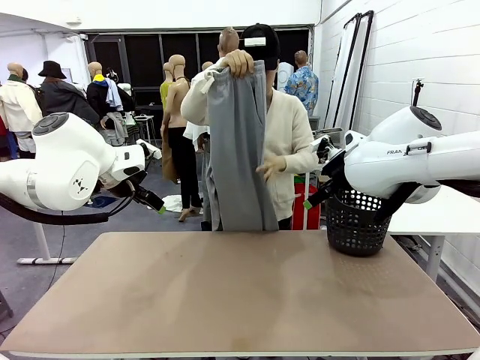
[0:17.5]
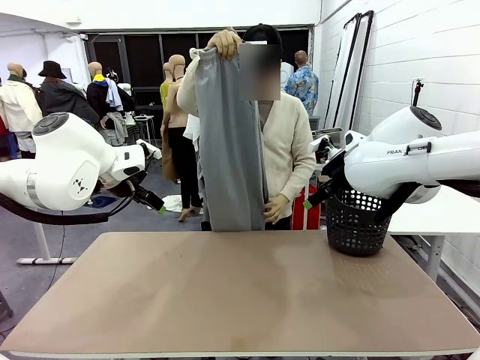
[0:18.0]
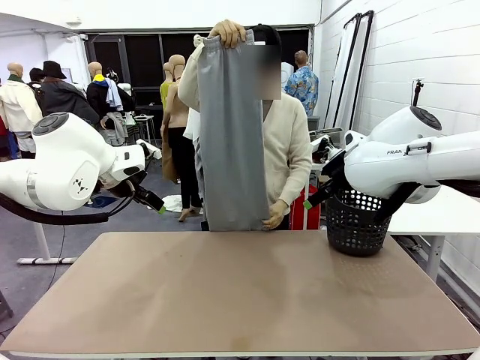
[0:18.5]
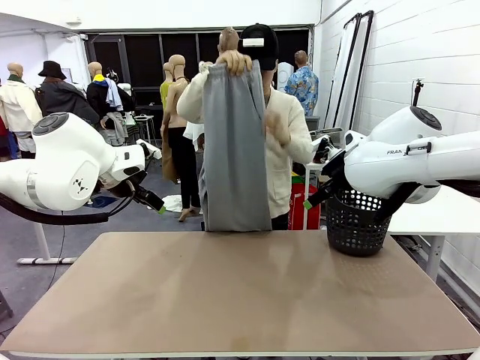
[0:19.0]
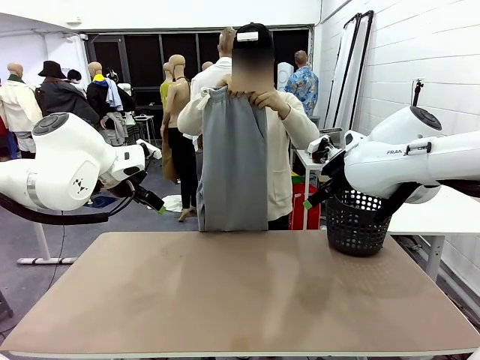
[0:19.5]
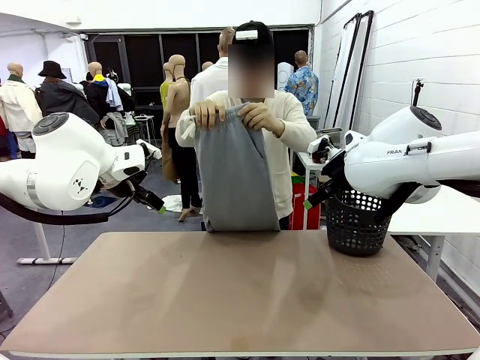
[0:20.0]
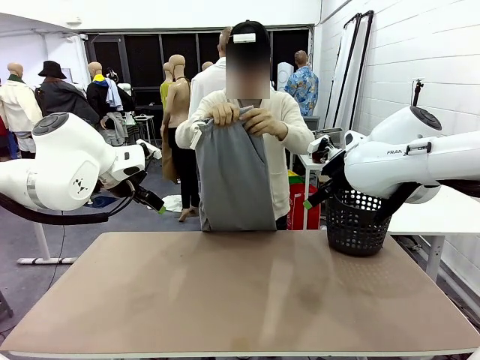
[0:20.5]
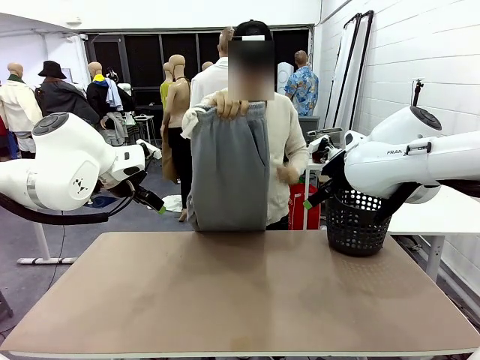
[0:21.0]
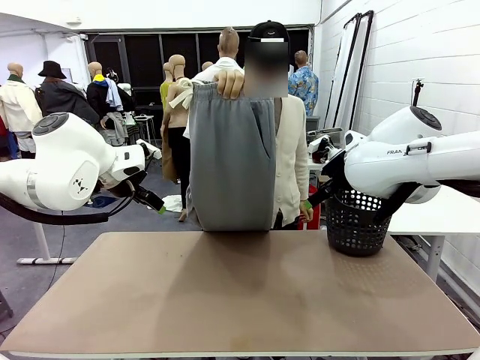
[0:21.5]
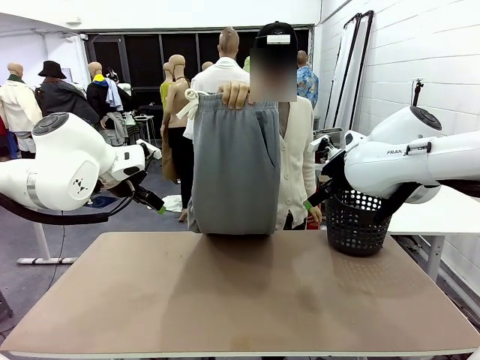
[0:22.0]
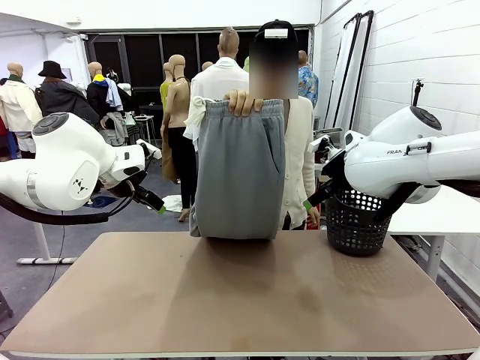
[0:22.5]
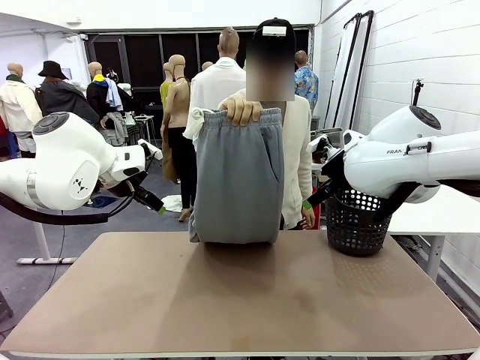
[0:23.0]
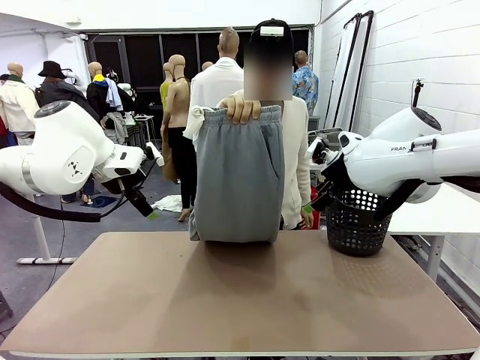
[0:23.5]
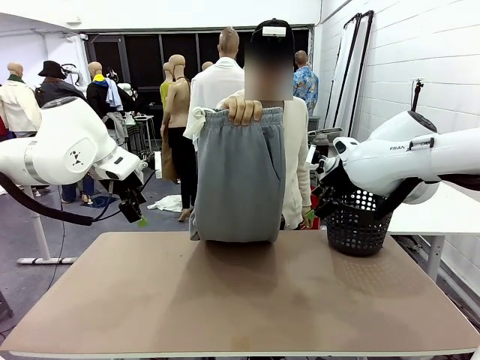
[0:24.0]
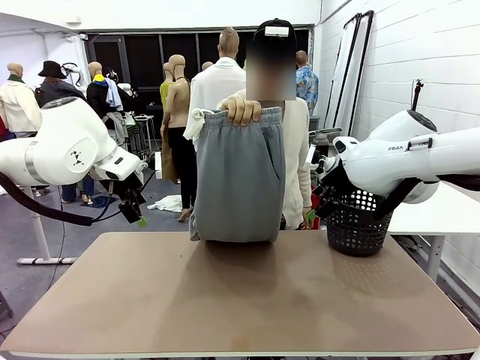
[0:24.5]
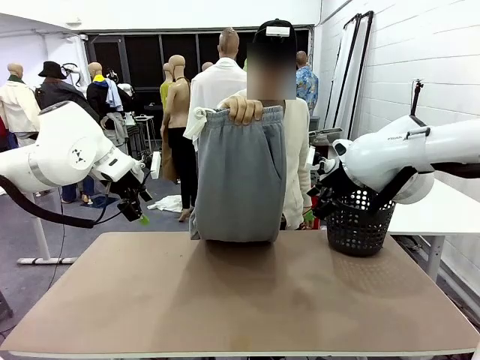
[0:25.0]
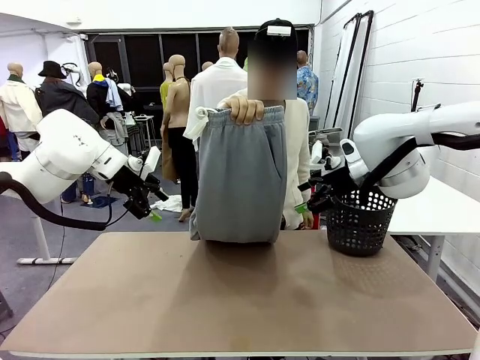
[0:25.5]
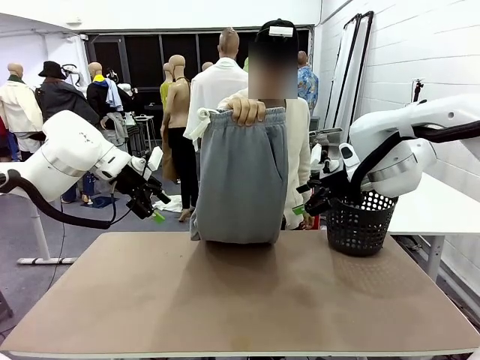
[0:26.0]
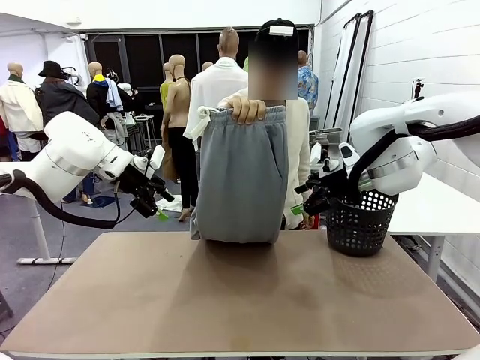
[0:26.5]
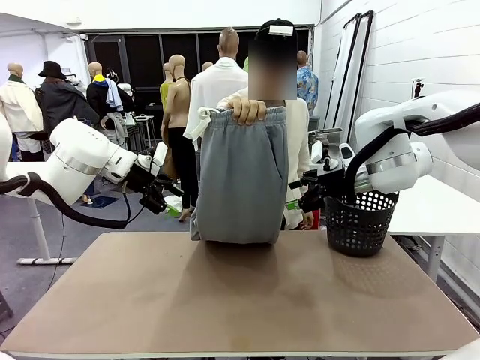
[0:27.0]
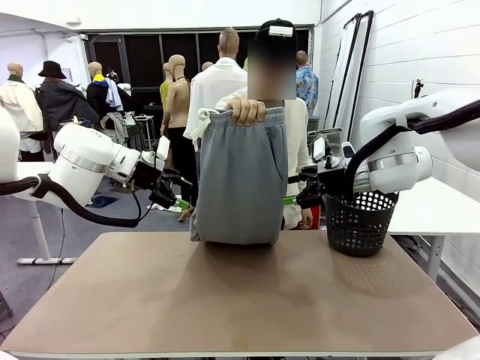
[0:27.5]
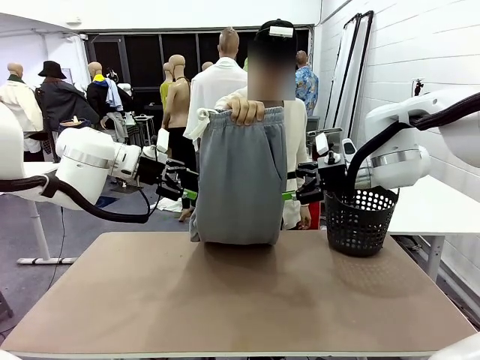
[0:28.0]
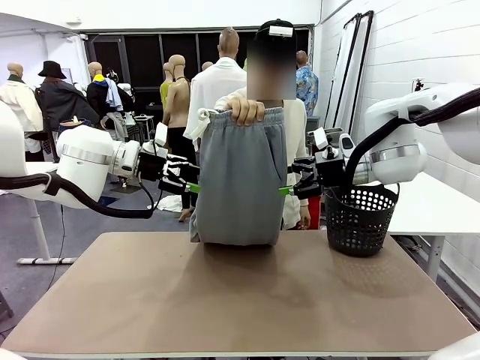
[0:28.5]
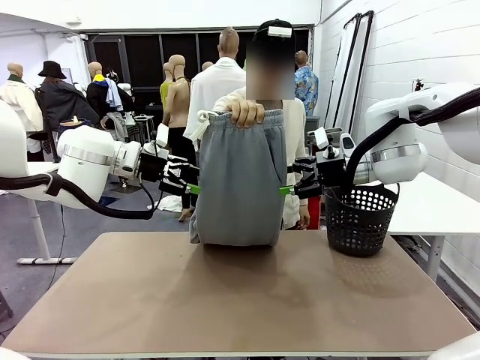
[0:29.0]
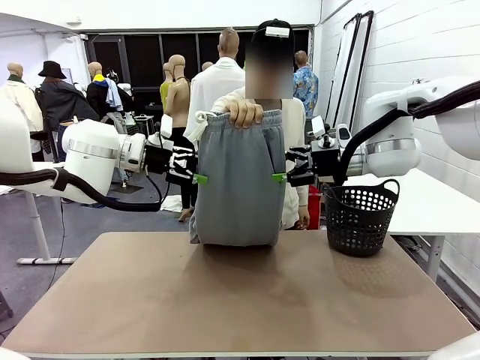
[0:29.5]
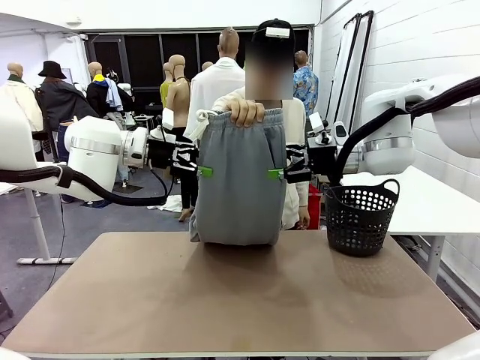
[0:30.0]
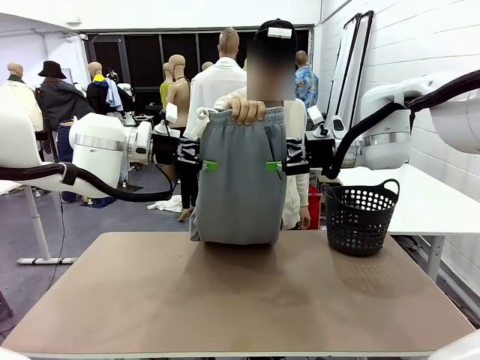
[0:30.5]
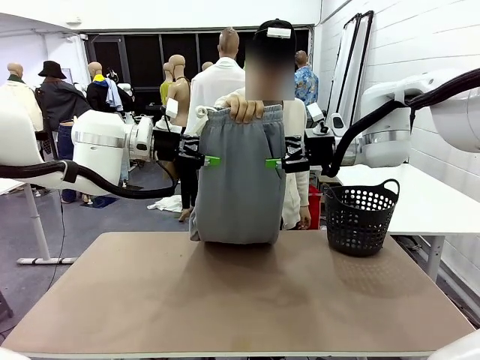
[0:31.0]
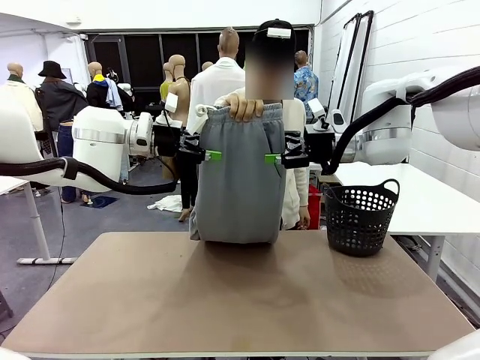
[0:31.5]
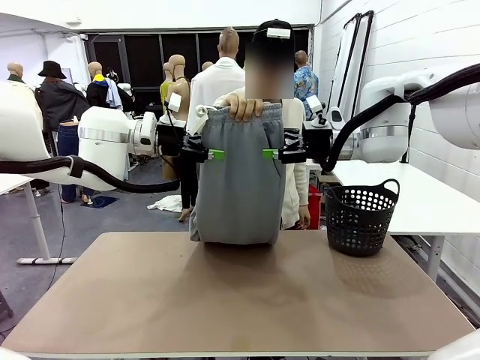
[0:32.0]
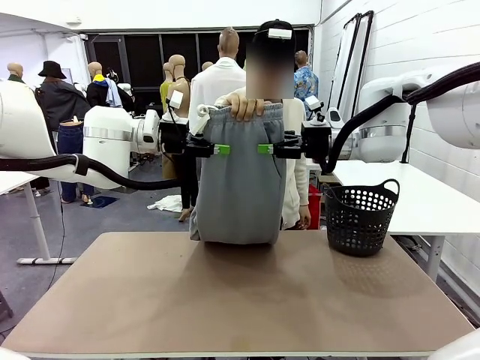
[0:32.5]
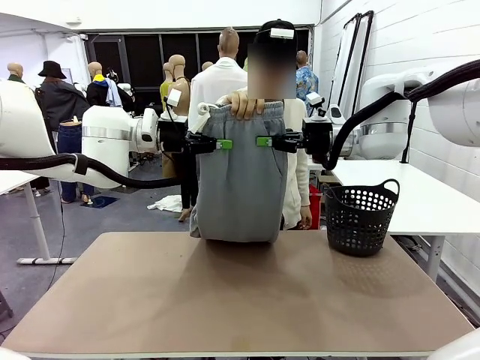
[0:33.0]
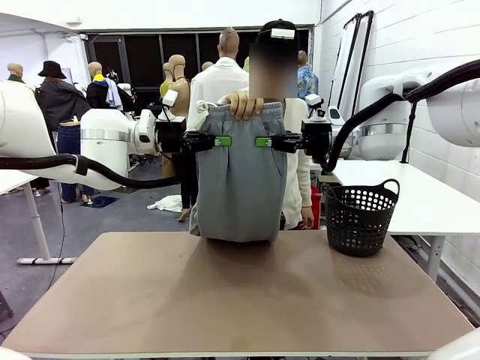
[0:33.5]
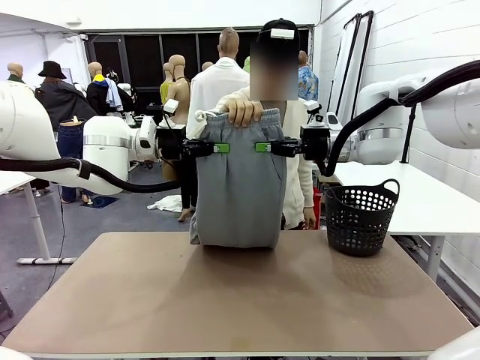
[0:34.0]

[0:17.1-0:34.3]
Task: Fold the training pants.
Robot: Grab both ends of the Training pants handed by a person.
Person: Grasp the end opposite the point the robot is holding, fold the pants in half, and then grasp the overlapping top end of the folded pants.

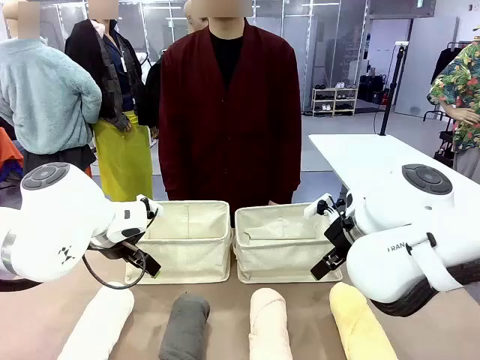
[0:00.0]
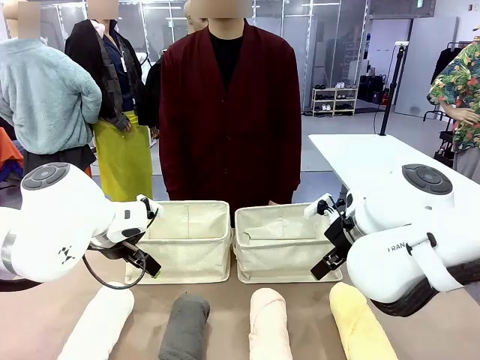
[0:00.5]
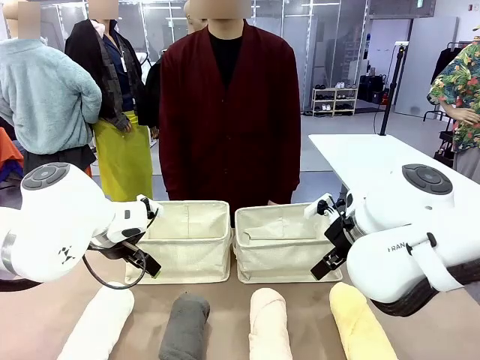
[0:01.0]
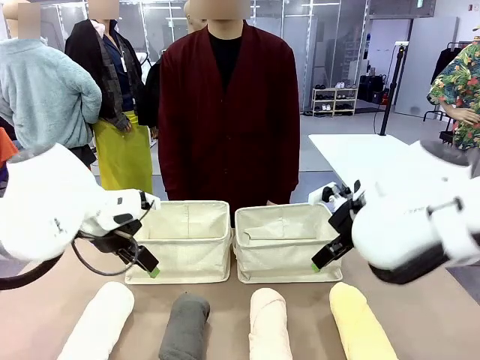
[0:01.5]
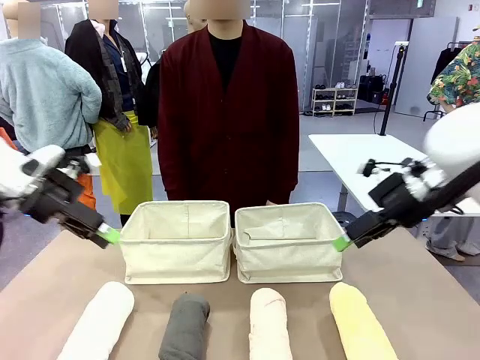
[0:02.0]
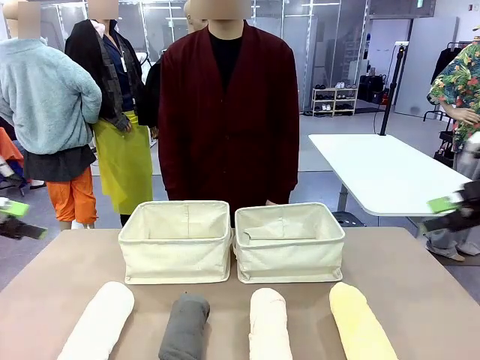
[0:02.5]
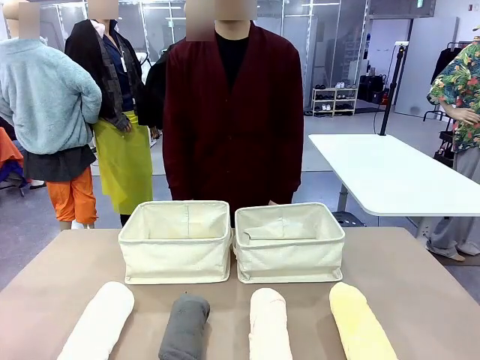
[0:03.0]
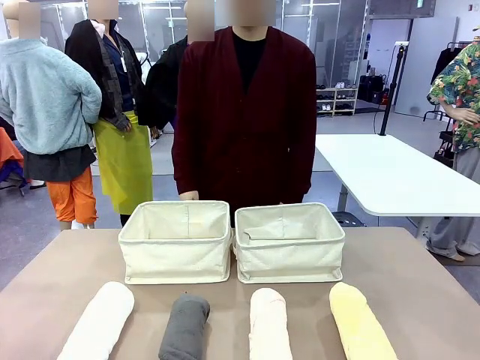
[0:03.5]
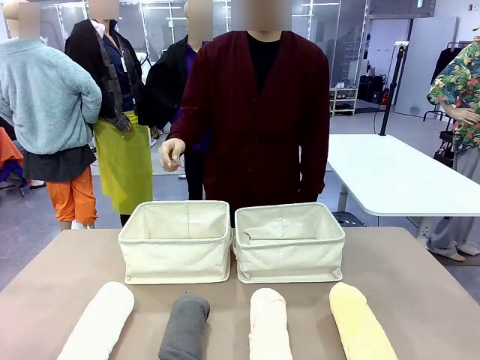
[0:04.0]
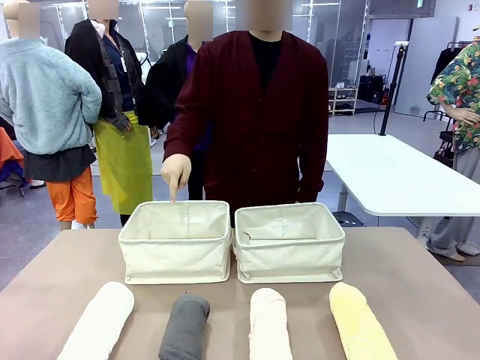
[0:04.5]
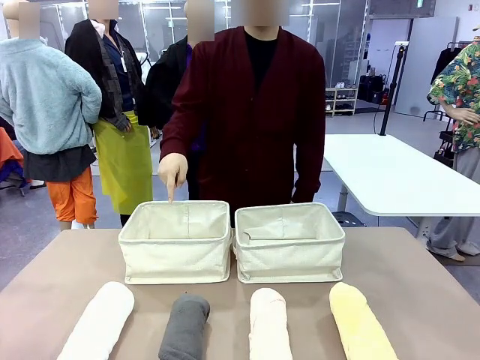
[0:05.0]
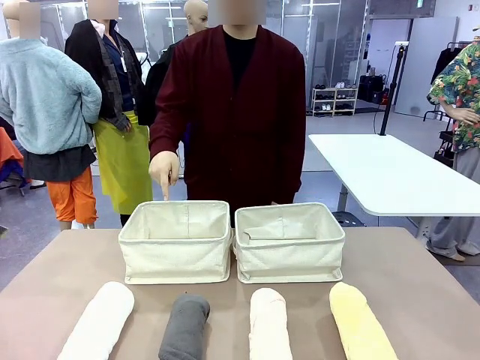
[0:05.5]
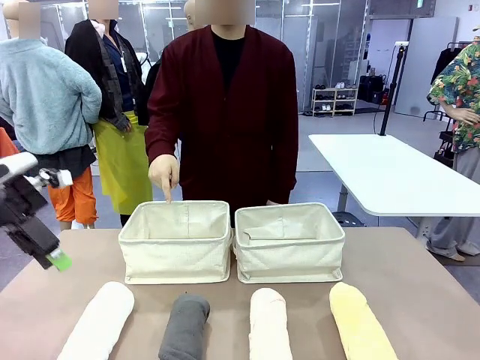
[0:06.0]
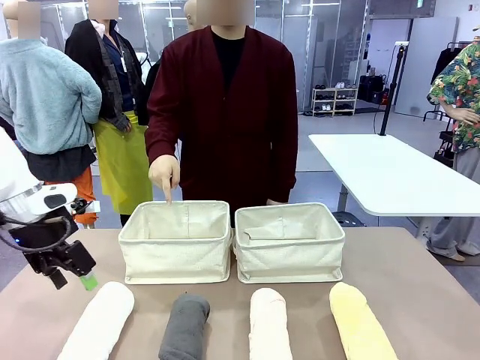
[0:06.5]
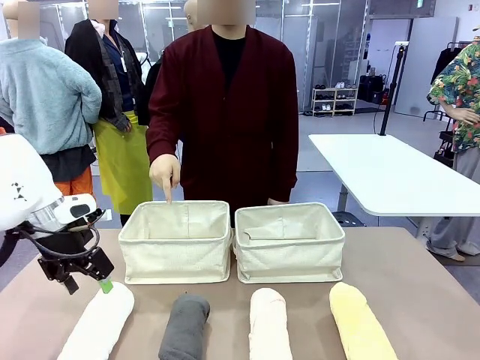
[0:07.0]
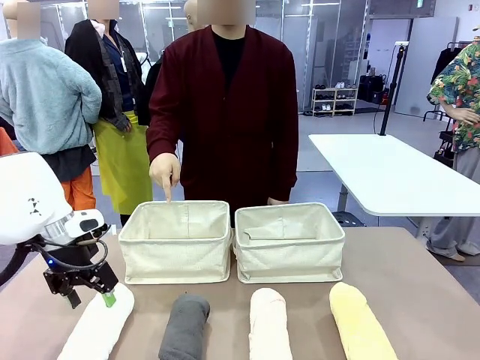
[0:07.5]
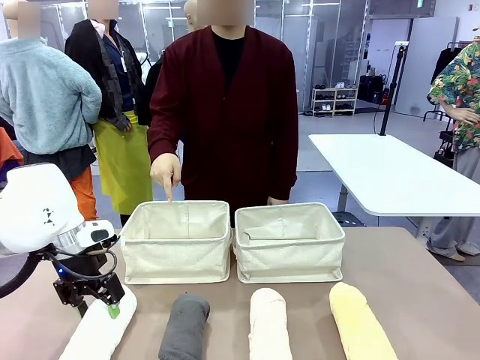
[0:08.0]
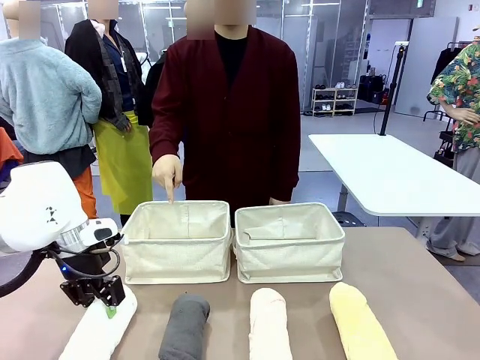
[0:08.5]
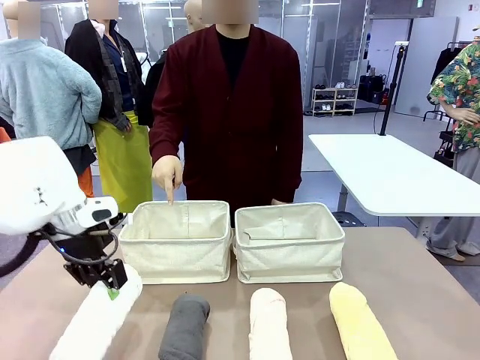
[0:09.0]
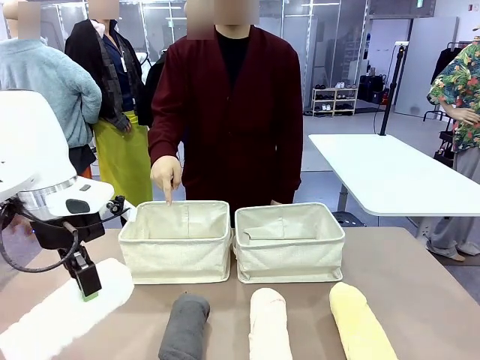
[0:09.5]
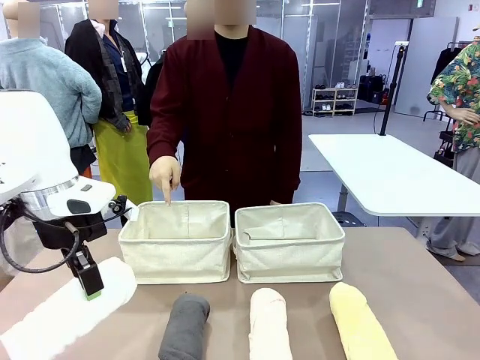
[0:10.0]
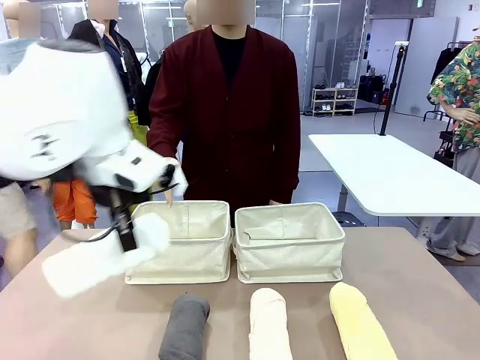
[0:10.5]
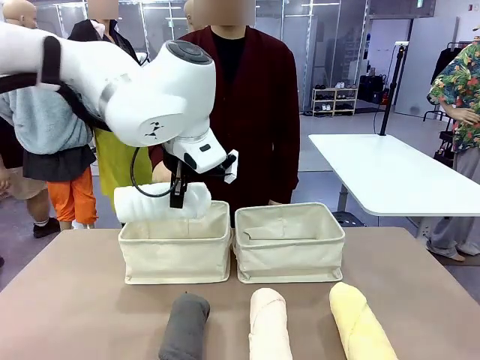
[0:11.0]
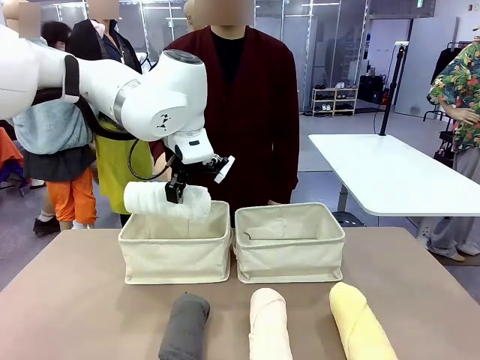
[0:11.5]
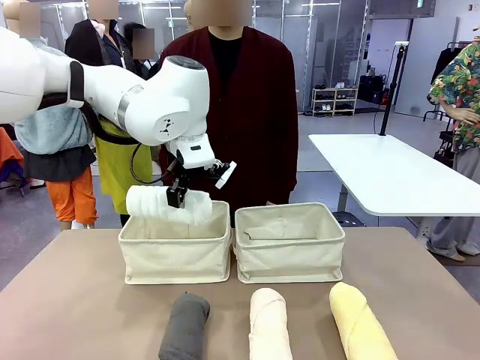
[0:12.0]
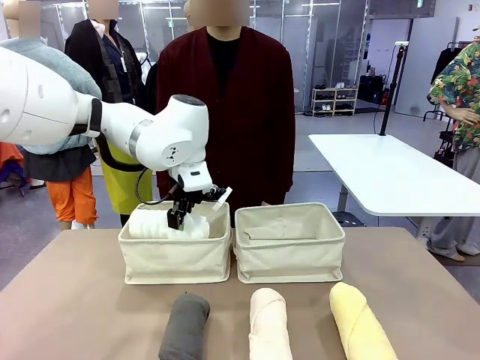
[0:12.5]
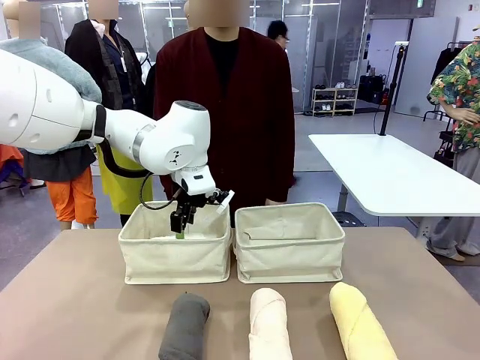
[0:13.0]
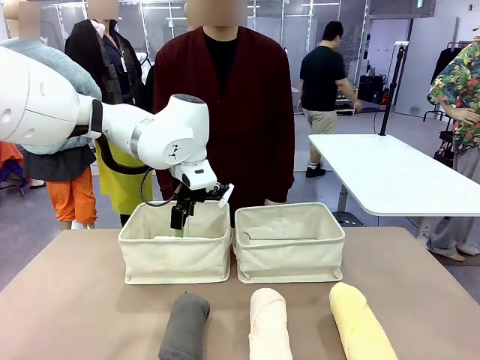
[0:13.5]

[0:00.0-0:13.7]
Task: Divide the towels into two baskets.
Robot: Pick up one hotel-folded towel and place it in the Fabric basket indicated by the person.
